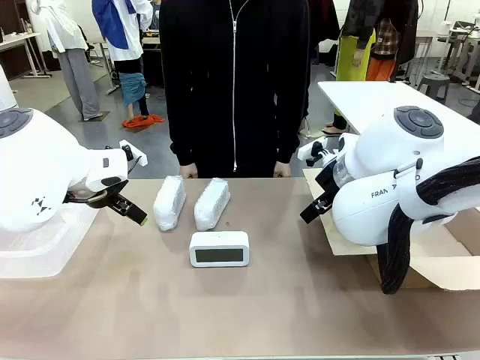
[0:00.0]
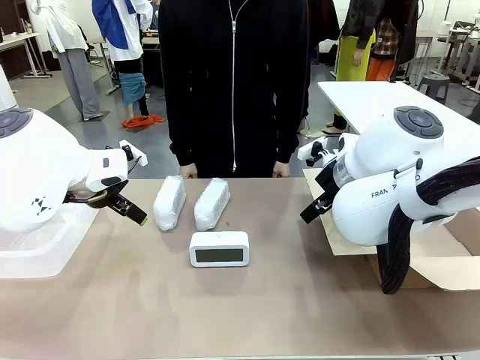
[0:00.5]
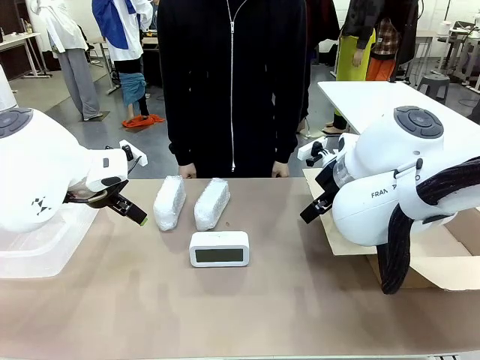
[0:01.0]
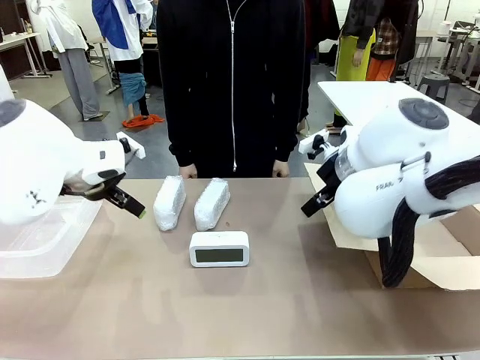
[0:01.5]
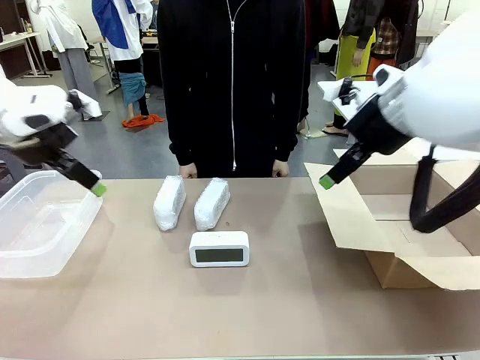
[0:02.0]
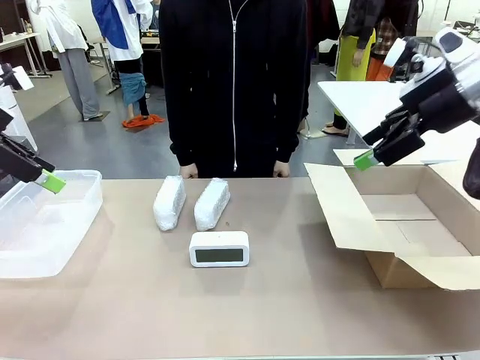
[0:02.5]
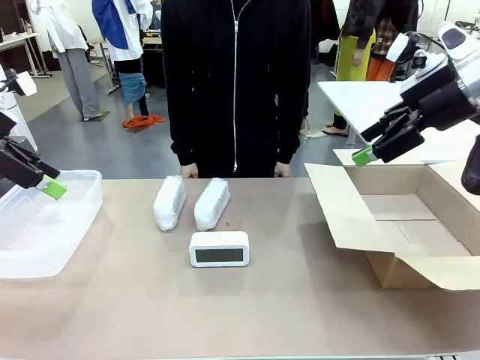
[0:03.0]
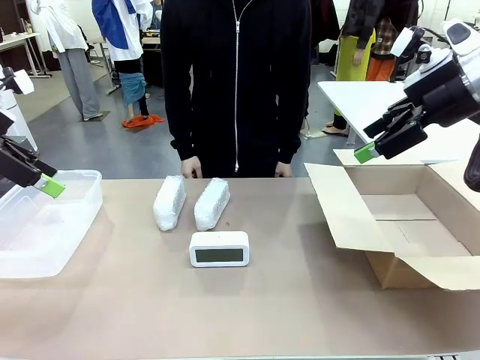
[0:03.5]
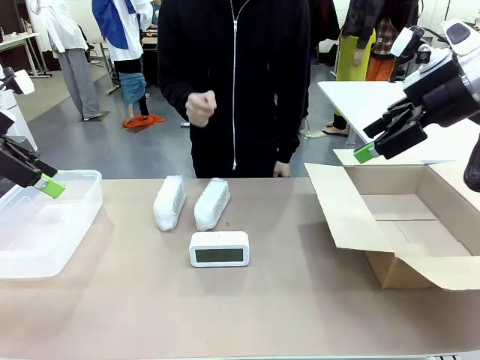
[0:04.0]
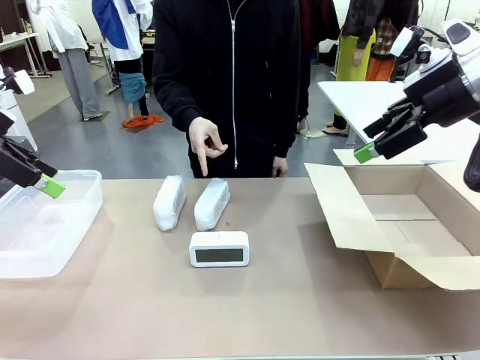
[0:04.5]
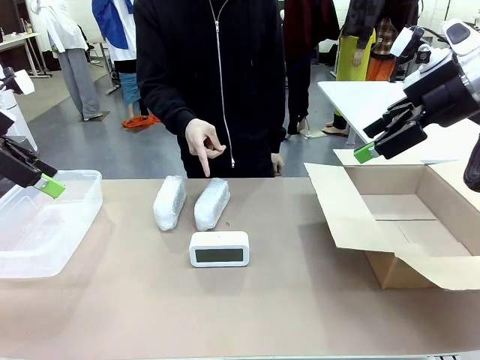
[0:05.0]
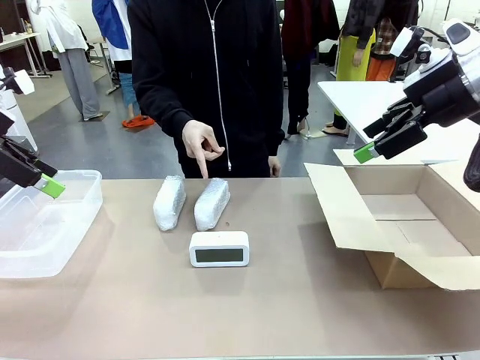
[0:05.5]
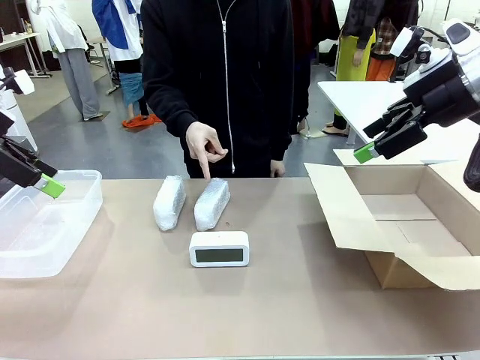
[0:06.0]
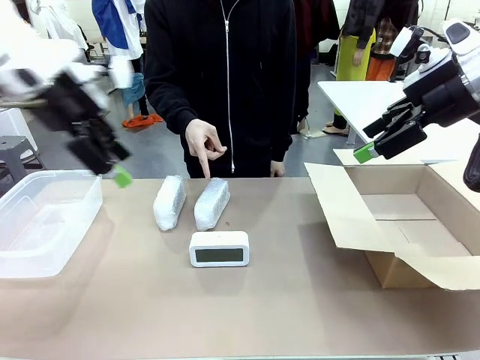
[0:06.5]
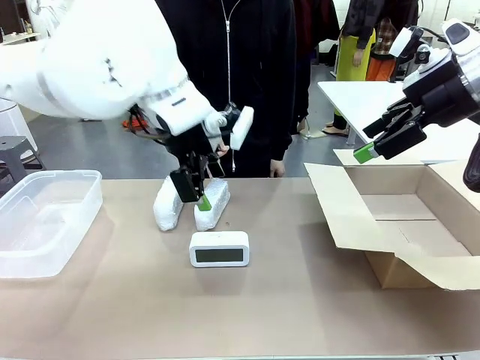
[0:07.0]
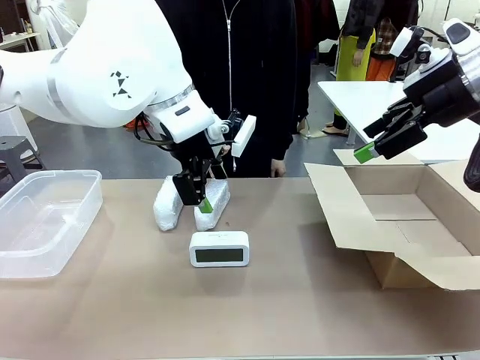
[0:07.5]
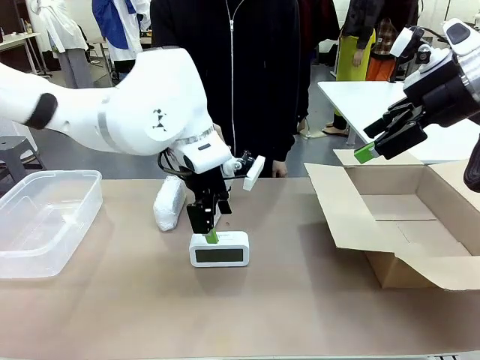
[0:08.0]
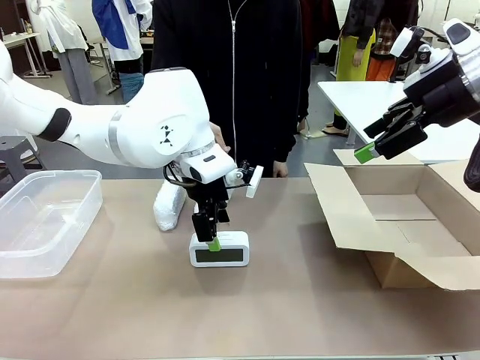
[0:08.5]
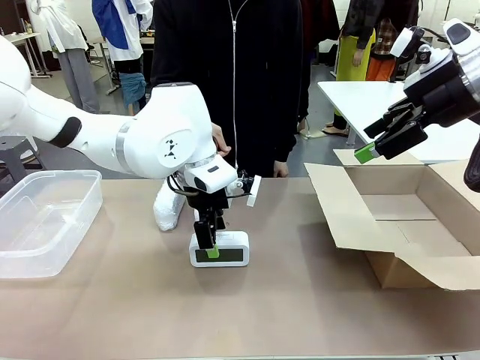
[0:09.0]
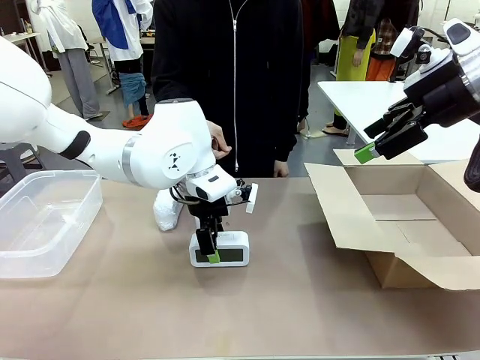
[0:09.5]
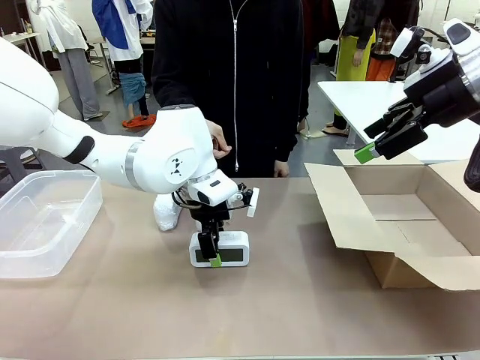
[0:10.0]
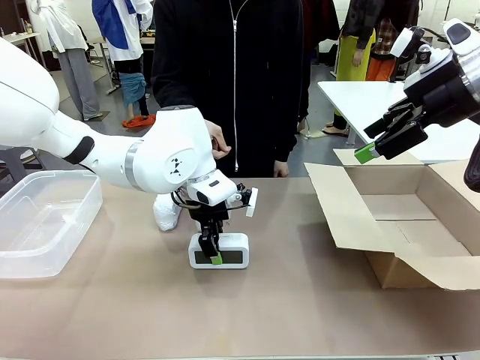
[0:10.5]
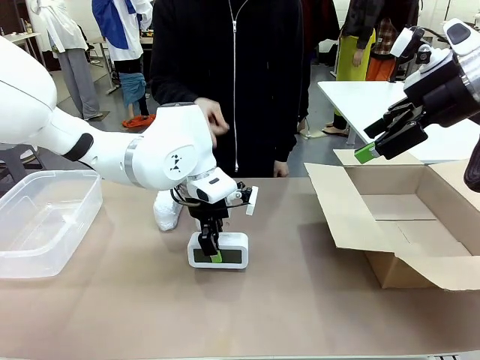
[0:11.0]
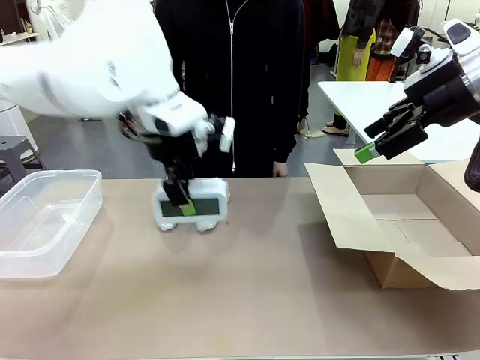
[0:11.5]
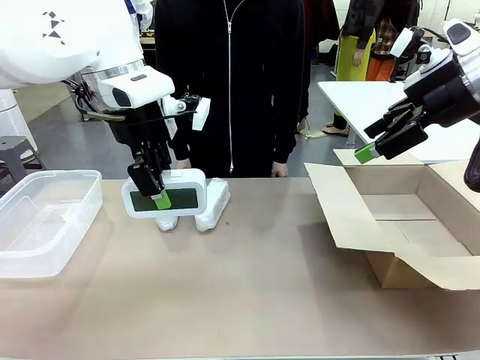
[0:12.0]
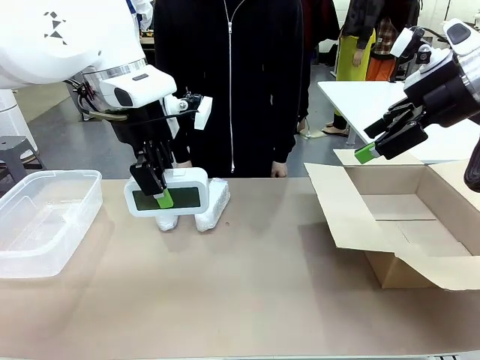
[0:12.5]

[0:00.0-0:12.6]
Task: Separate and place wrapped and unwrapped clocks.
Robot: Pick up the Digital clock indicated by the person.

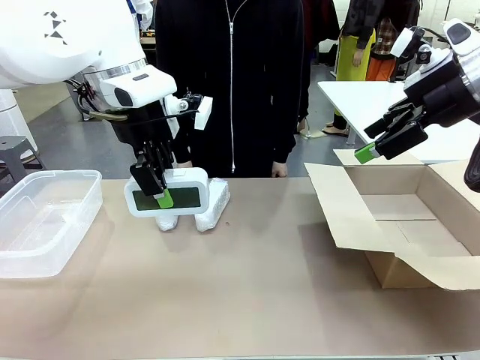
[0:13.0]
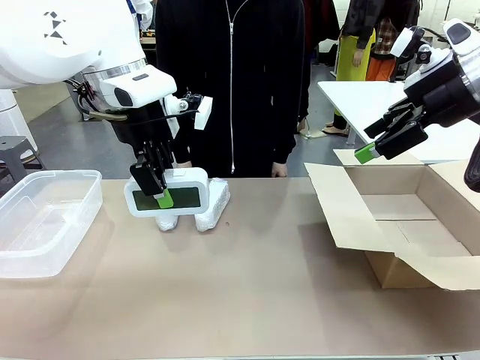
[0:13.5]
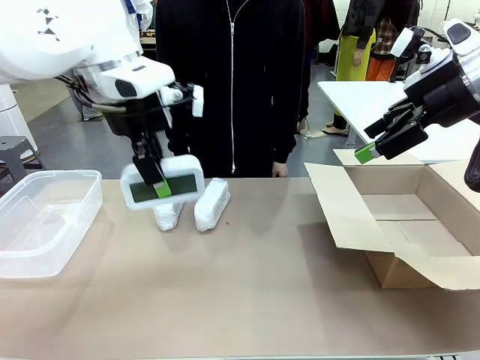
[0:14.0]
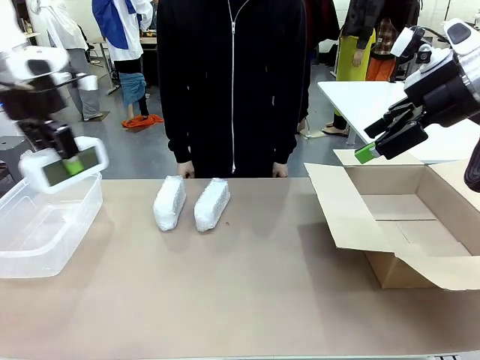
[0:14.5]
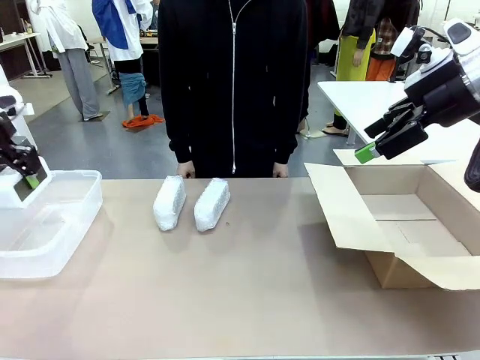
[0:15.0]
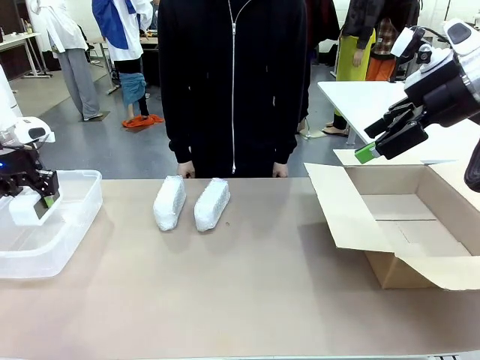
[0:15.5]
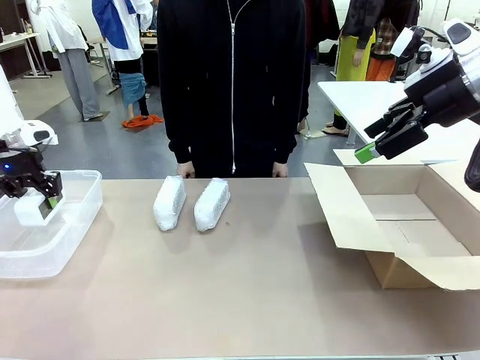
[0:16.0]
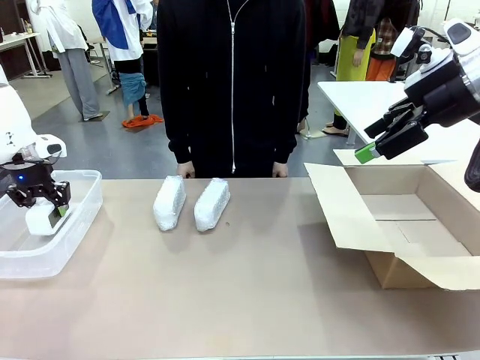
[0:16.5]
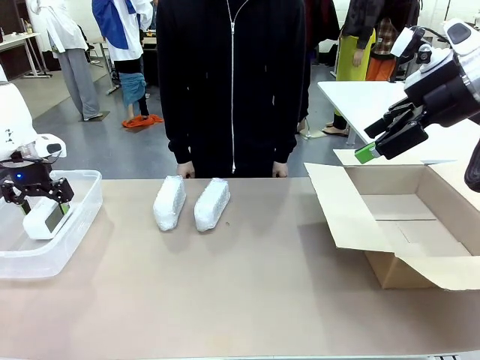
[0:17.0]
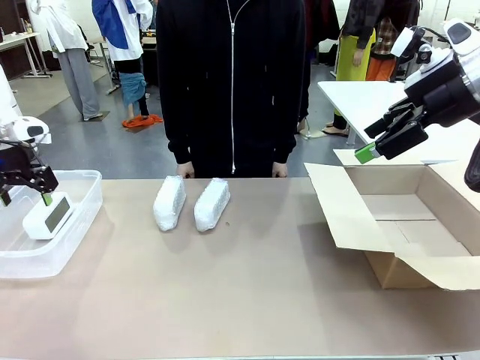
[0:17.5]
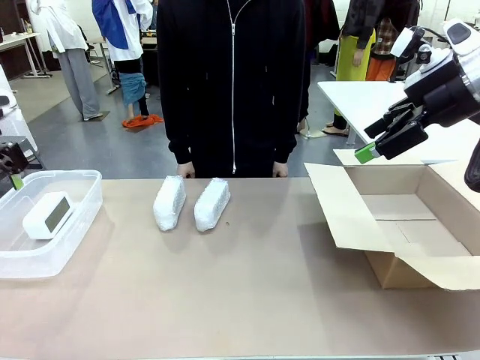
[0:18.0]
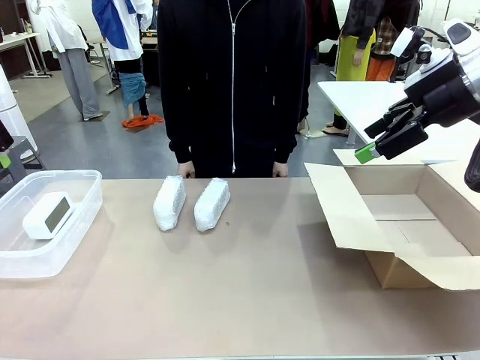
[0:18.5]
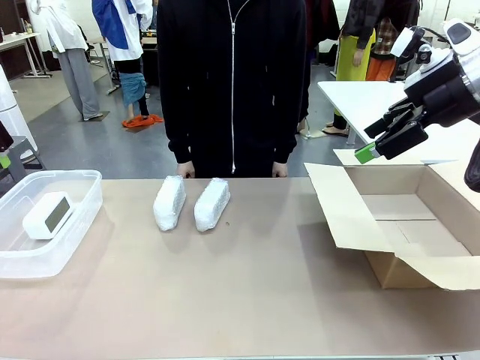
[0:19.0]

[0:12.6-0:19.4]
Robot: If the picked Digital clock is wrapped, place it in the Package Box ; if not, place it in the Organizing box.

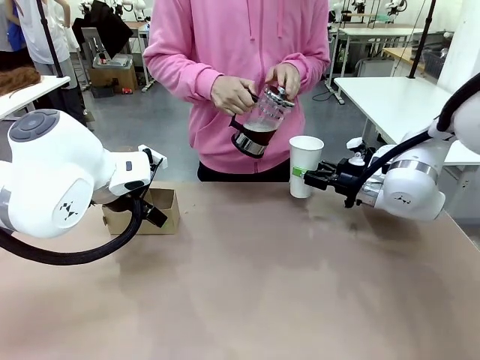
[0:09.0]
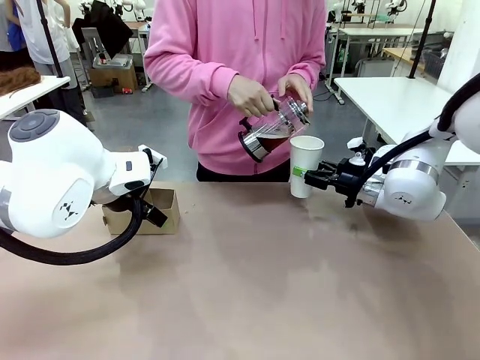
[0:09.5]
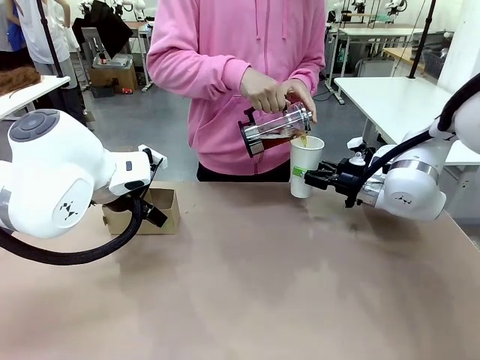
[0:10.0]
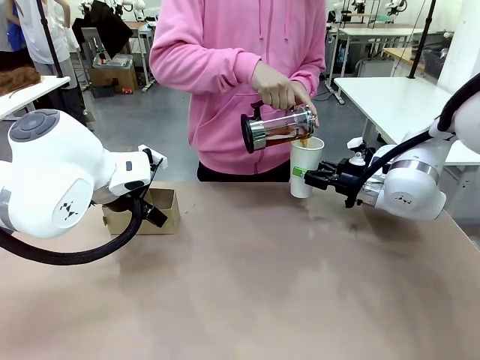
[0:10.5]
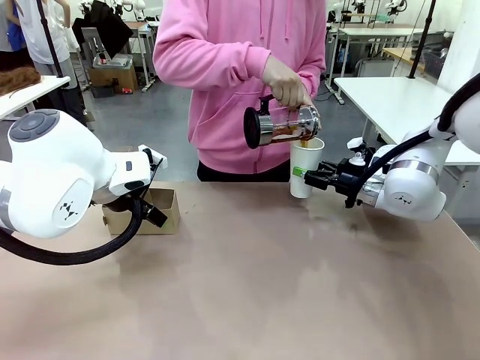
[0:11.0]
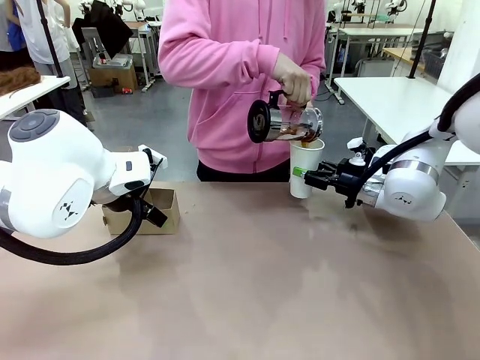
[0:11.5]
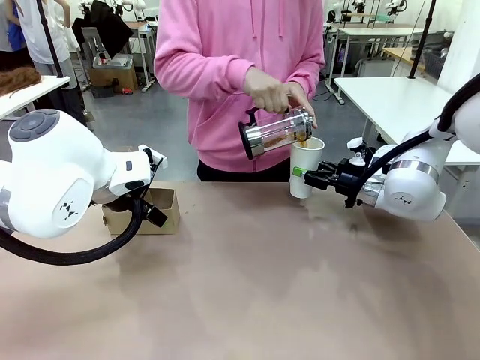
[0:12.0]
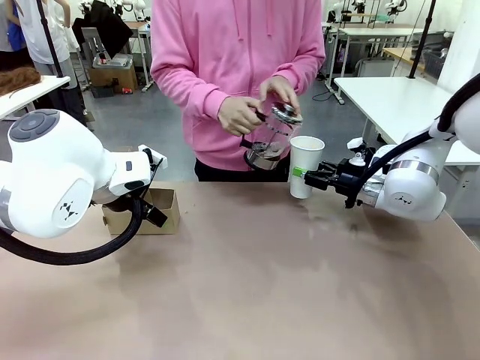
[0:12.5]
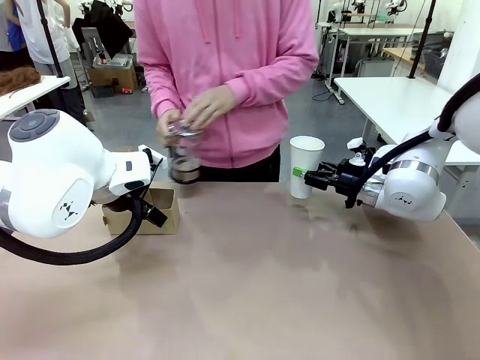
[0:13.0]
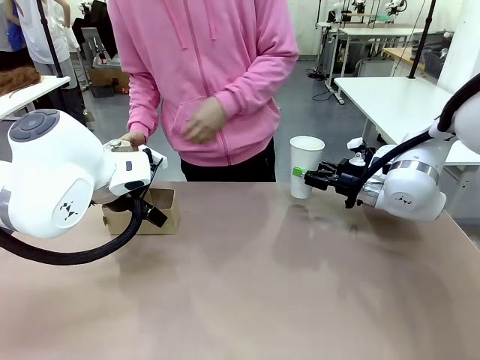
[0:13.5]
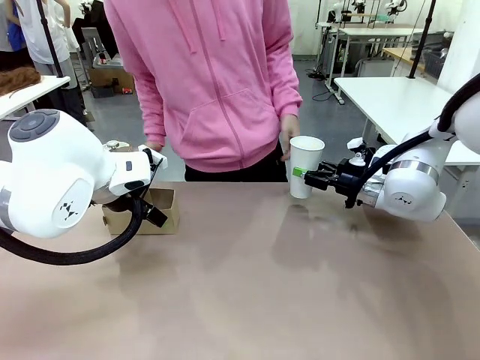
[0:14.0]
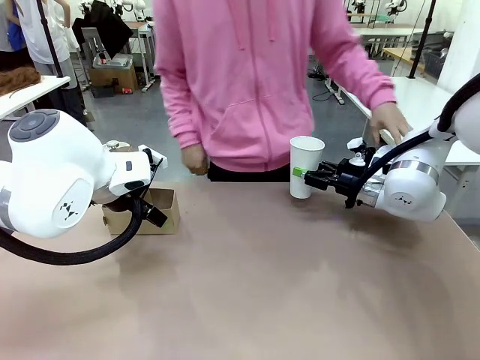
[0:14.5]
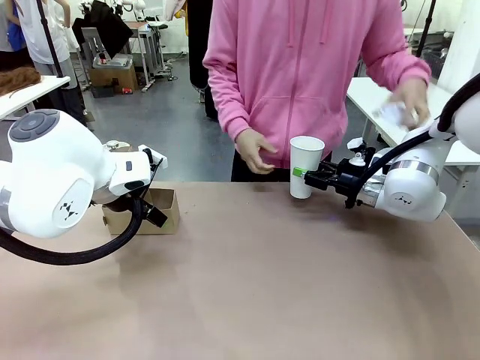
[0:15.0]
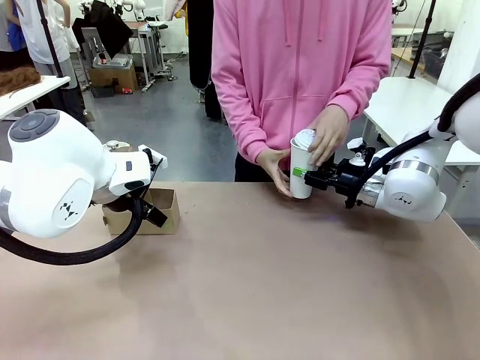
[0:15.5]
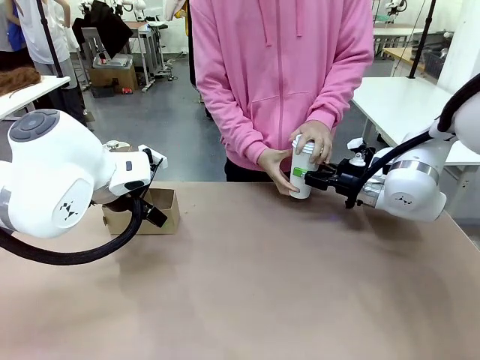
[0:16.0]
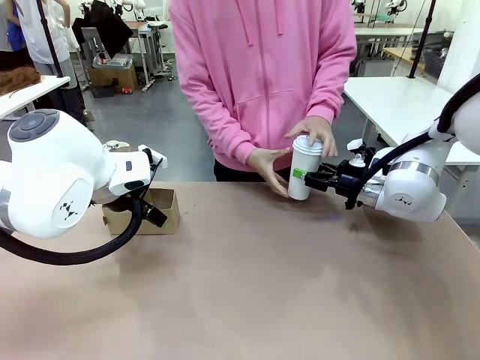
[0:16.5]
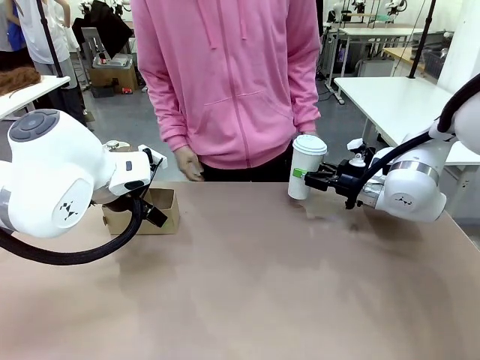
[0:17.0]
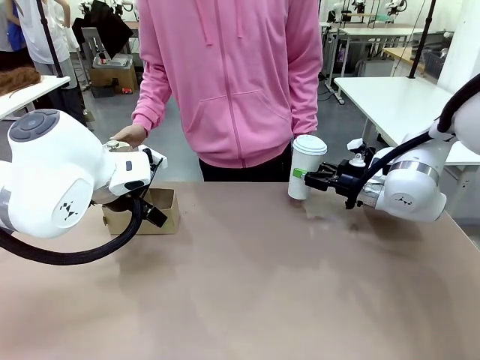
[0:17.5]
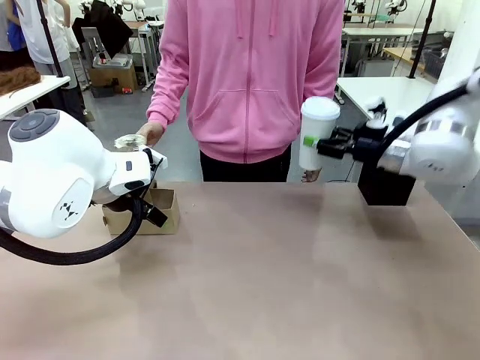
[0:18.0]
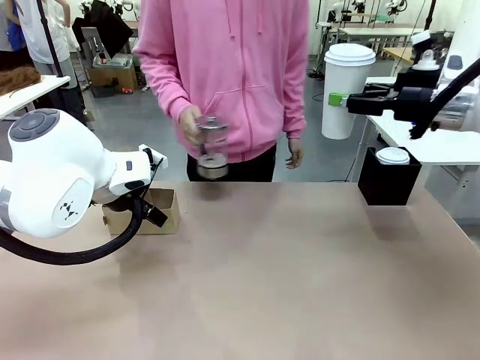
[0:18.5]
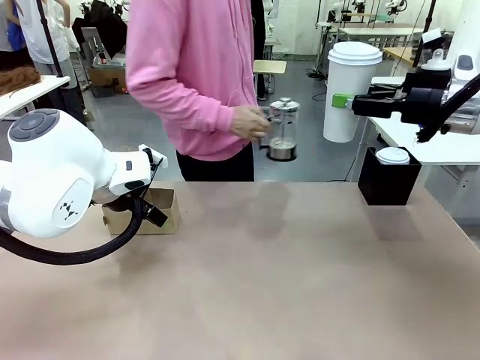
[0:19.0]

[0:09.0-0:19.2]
Task: Pour a drink into a cup and package it in a carrier.
Robot: When a person places the Paper Cup Lid on the 600 ml Paper Cup , lift the 600 ml Paper Cup.
Person: Pour the drink from the Filter Brewing into the 600 ml Paper Cup. Place a Paper Cup Lid on the 600 ml Paper Cup.
